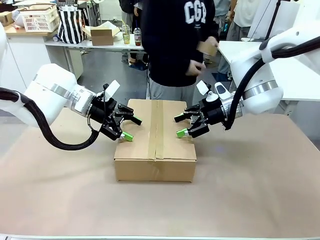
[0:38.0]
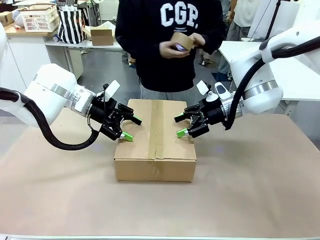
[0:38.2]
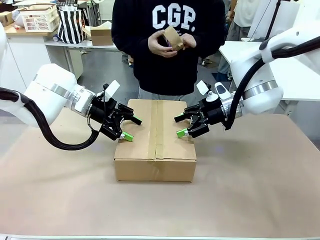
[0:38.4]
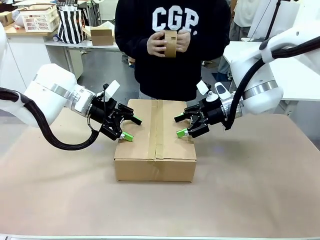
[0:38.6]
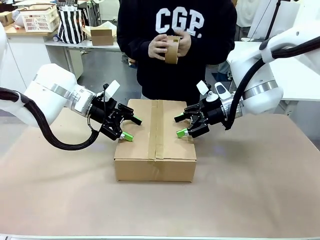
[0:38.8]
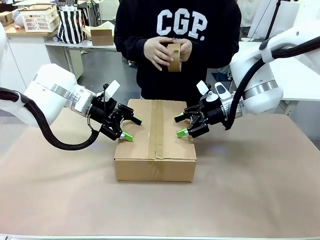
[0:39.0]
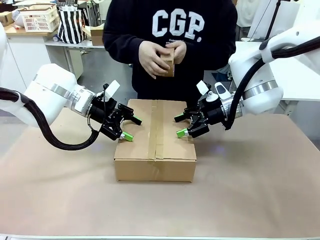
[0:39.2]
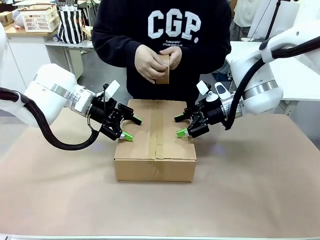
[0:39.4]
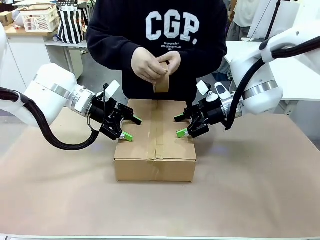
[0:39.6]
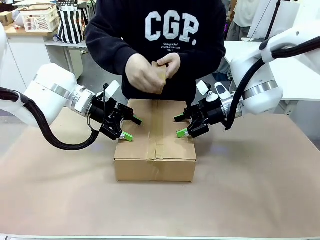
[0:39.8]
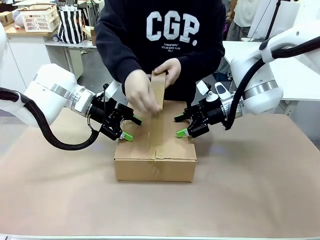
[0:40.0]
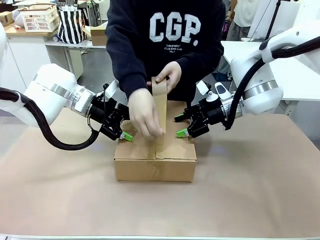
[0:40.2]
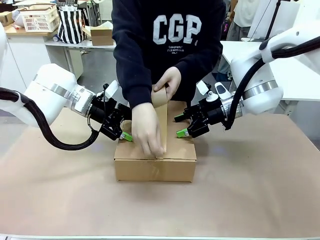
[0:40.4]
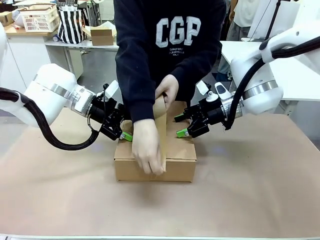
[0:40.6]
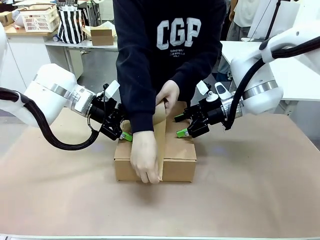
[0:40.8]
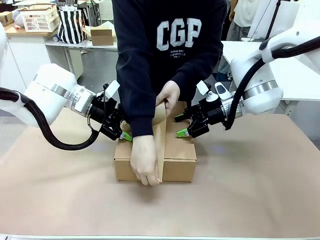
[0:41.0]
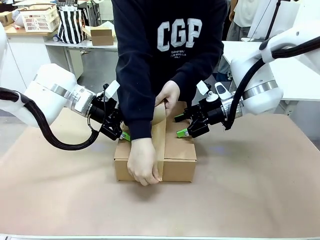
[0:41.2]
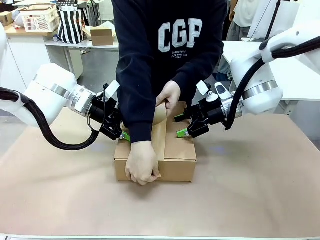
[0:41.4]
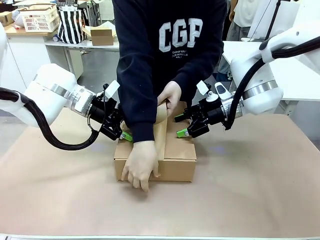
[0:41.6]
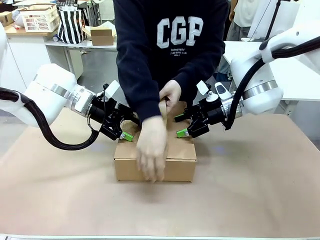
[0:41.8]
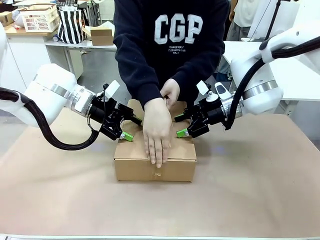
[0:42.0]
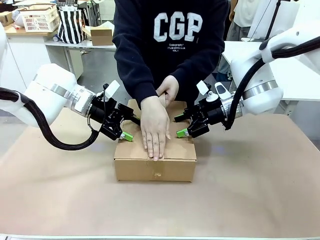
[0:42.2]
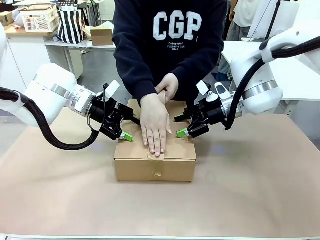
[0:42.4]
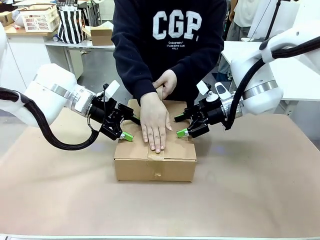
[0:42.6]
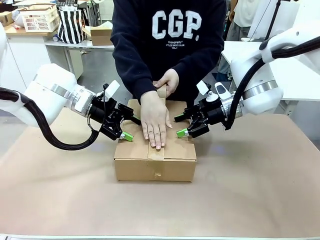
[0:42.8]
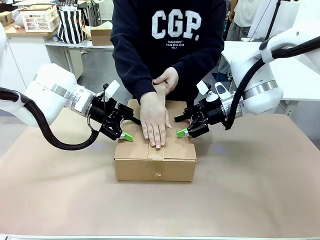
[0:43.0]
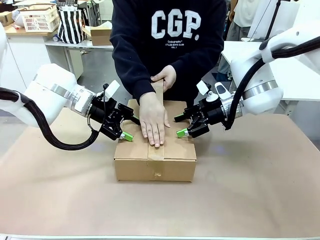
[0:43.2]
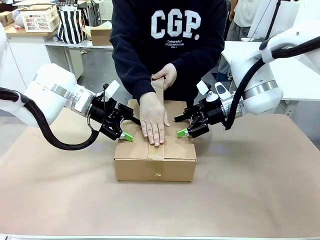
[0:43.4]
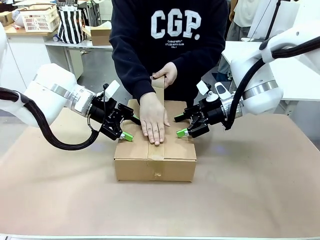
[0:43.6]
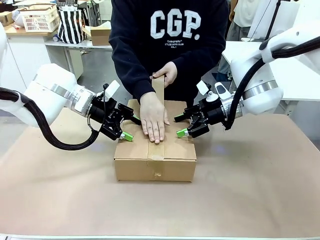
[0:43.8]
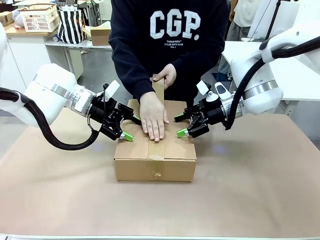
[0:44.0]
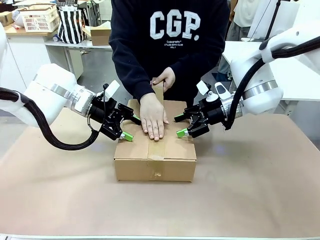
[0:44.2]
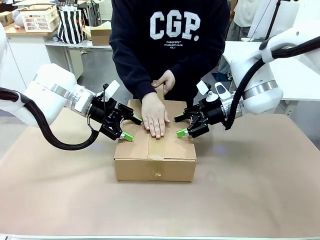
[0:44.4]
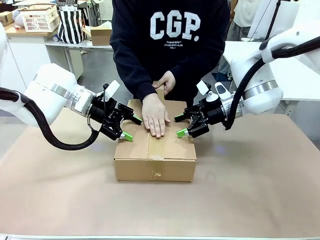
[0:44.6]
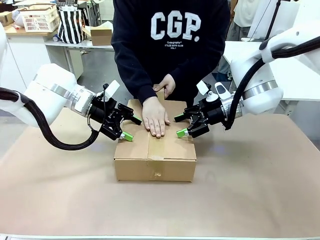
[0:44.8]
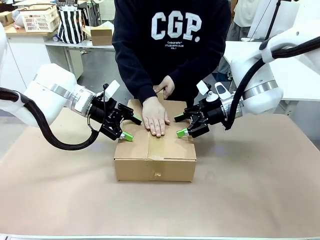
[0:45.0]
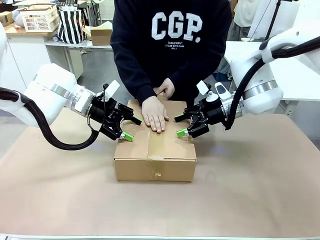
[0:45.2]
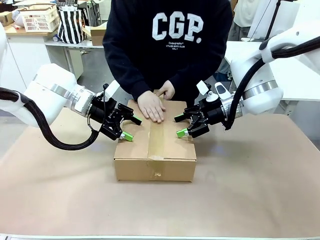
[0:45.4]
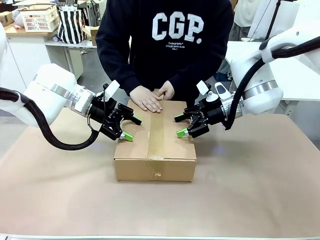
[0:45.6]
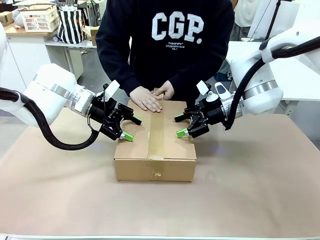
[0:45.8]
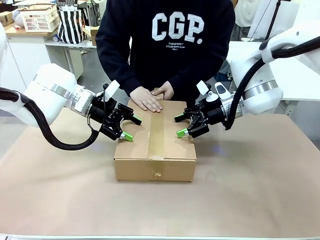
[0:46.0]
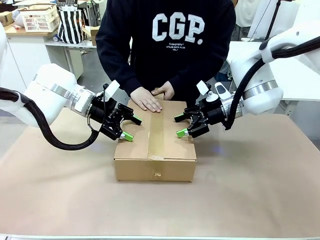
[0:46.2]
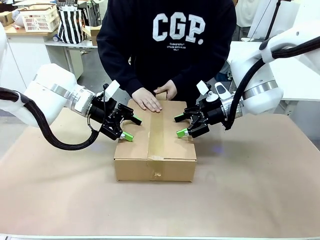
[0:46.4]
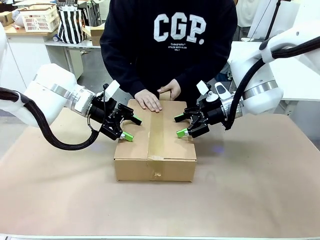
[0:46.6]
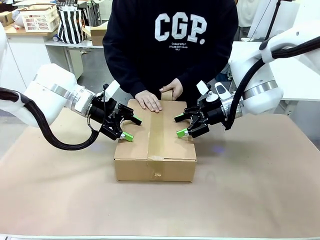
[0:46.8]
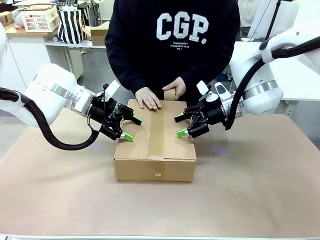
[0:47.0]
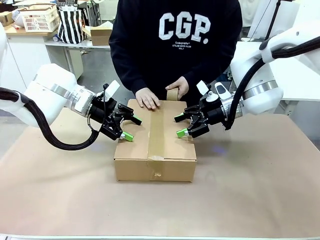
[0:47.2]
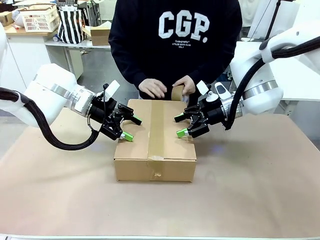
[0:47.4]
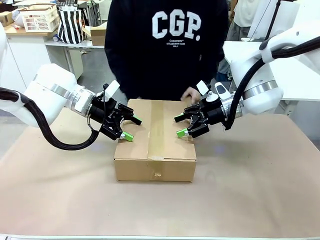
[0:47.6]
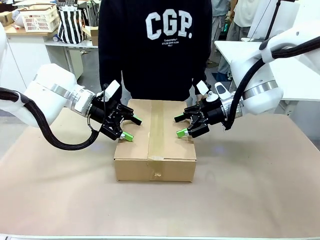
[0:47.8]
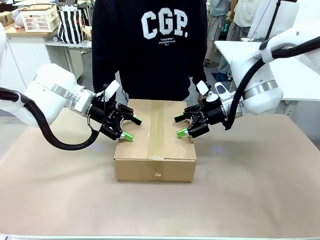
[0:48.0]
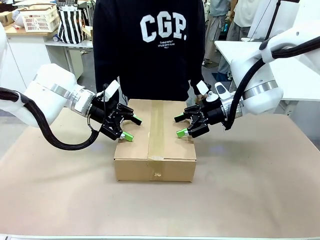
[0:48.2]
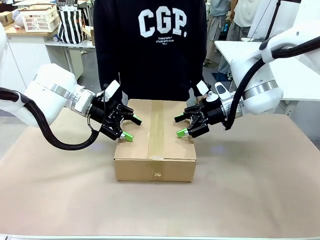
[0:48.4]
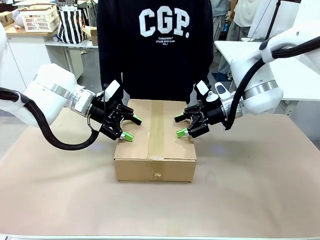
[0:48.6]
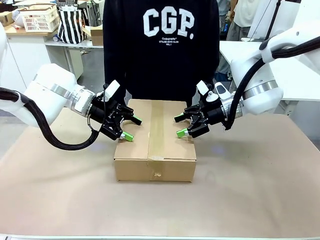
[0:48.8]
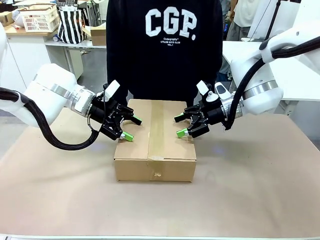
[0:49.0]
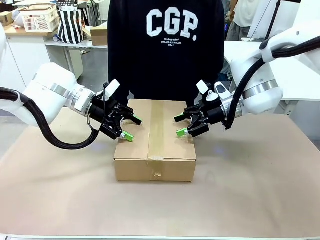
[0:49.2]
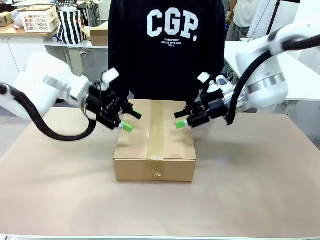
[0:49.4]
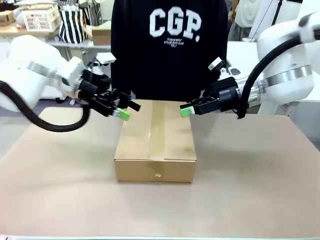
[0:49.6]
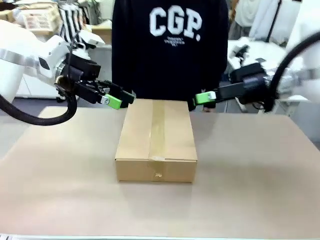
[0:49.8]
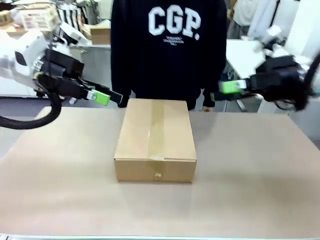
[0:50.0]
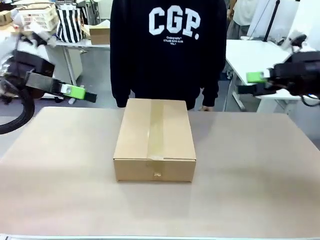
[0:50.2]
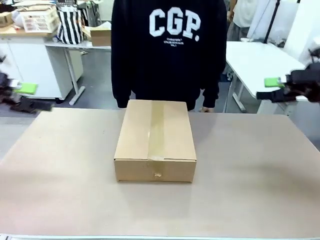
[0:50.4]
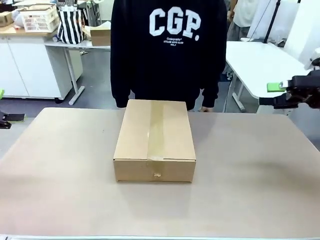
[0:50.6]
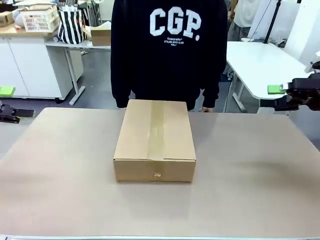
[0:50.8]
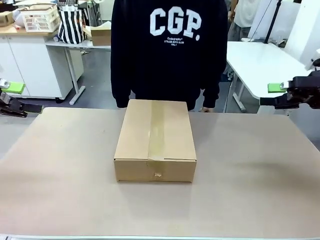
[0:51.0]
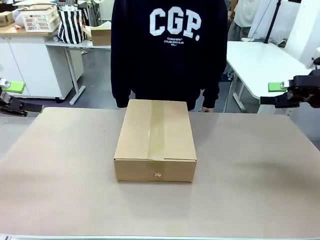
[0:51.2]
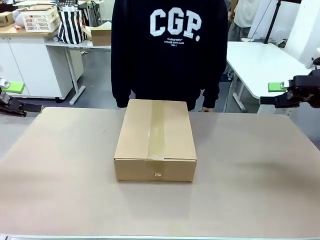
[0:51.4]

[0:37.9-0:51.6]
Task: Pack the gift set into the box.
Robot: Press and hold the closed box until the human finishes sealing it.
Person: The human picks up the paper tape from the human table and packs the box.
